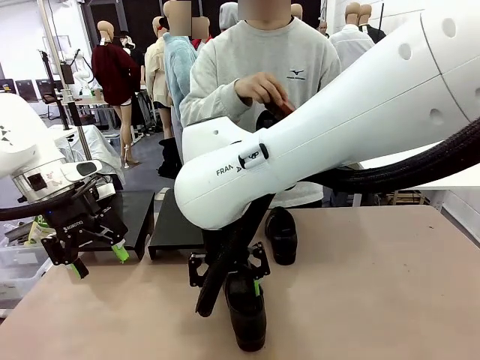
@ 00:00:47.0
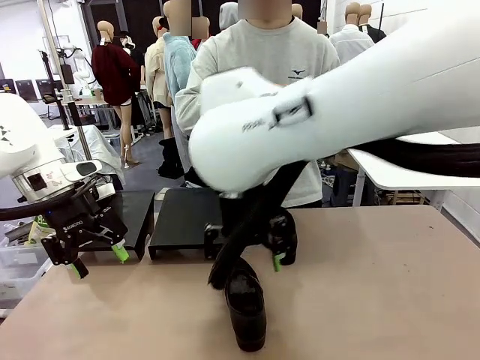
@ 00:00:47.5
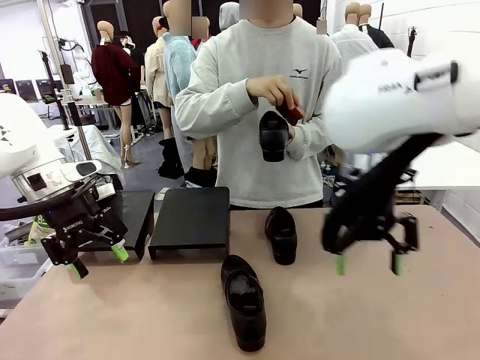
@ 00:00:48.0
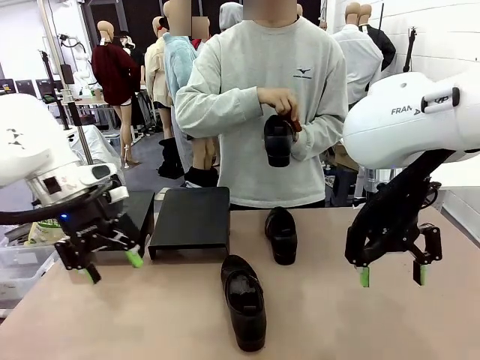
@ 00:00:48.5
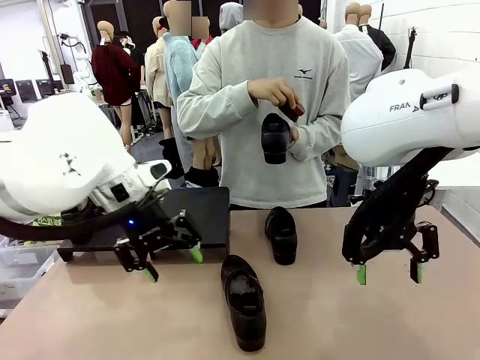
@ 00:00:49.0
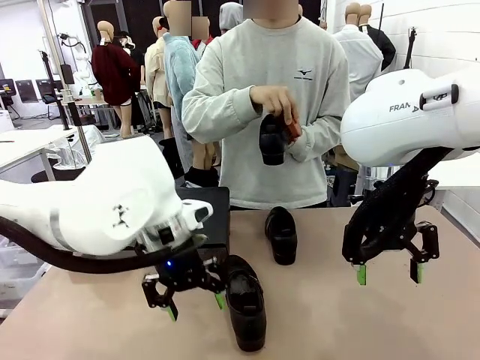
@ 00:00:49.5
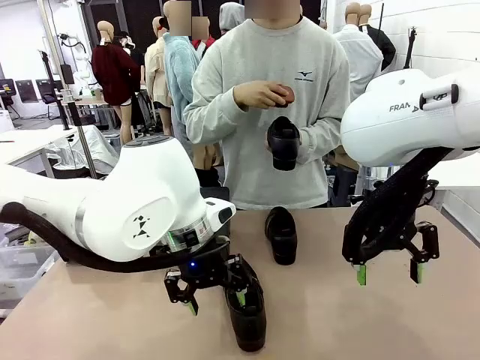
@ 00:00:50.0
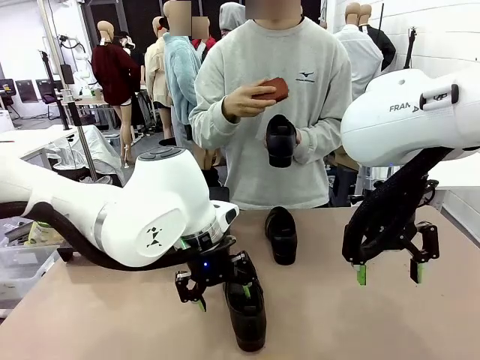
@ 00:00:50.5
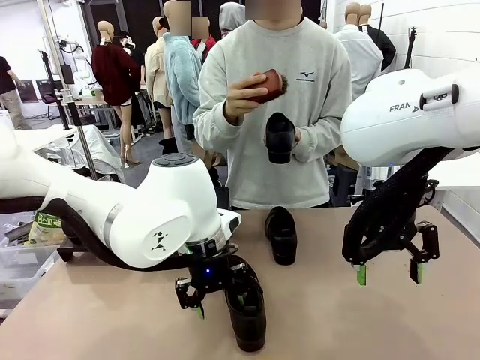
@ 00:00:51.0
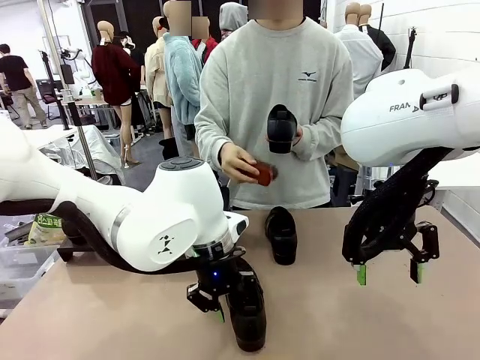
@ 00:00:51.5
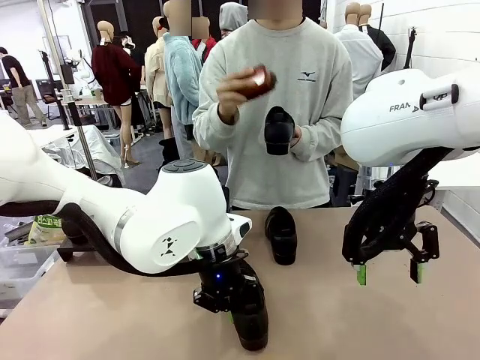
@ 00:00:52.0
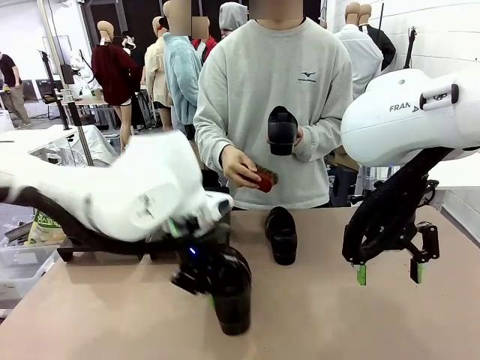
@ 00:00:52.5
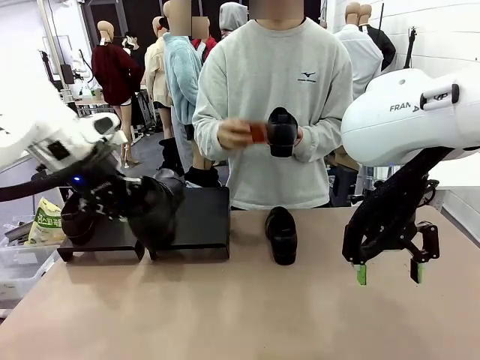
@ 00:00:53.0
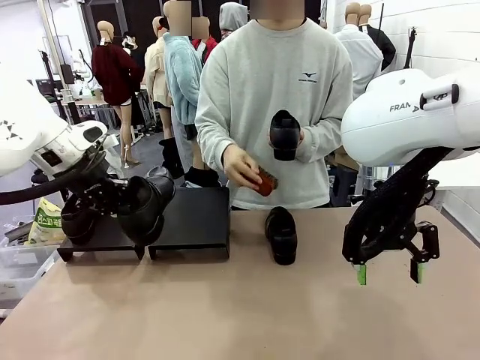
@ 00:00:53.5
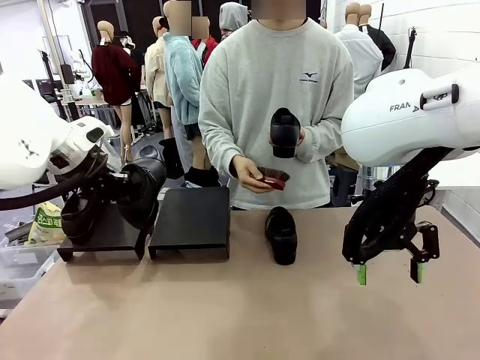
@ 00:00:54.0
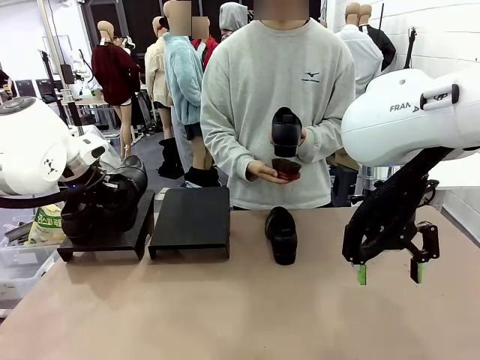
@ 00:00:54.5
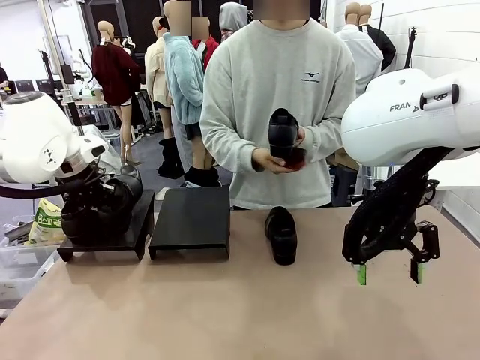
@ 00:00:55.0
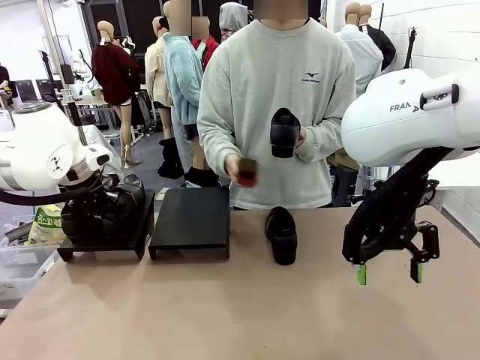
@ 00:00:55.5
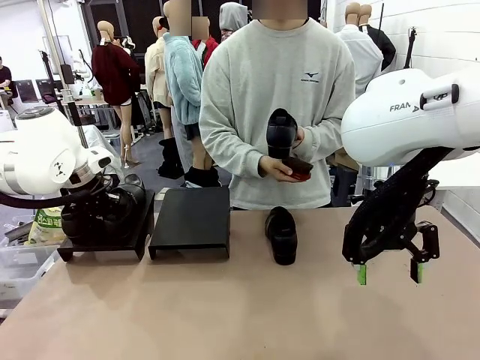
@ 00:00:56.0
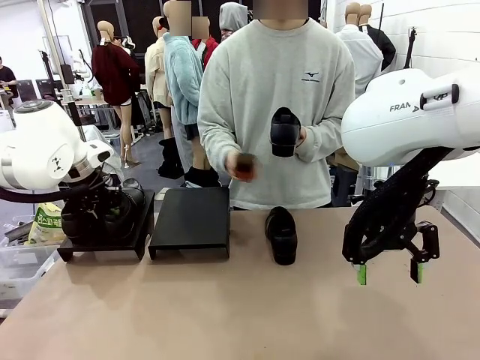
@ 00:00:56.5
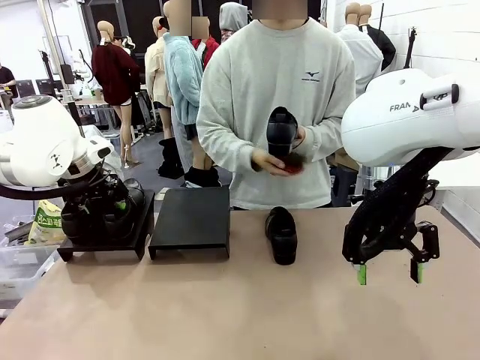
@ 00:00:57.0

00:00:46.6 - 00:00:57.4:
Task: Organize the shoes by placing them on the stand.
Robot: Place the Shoe from the middle of the table onto the Shoes Stand.
Person: Clean the Shoe with the Shoe Brush.

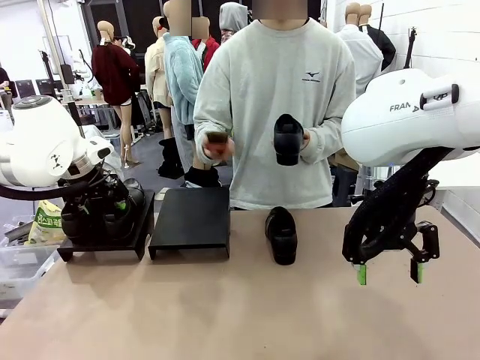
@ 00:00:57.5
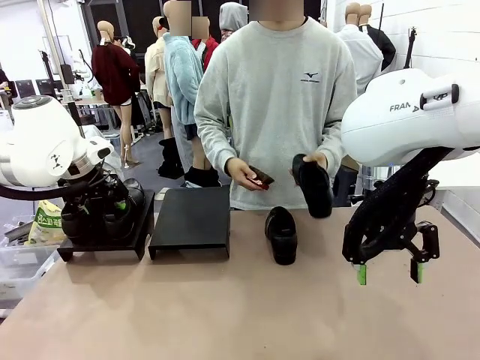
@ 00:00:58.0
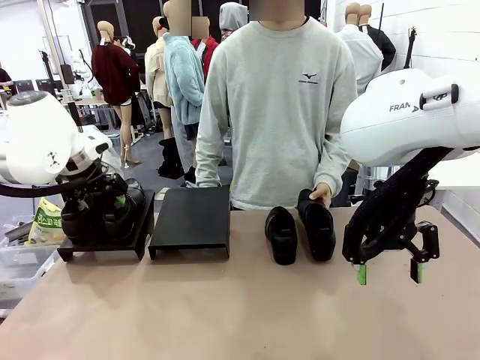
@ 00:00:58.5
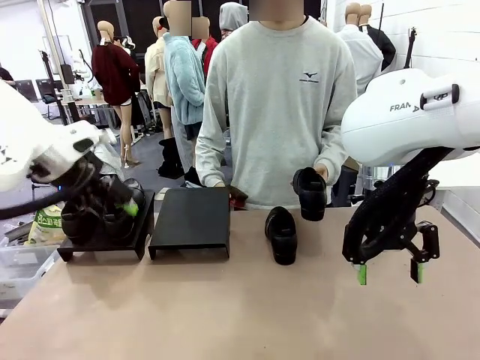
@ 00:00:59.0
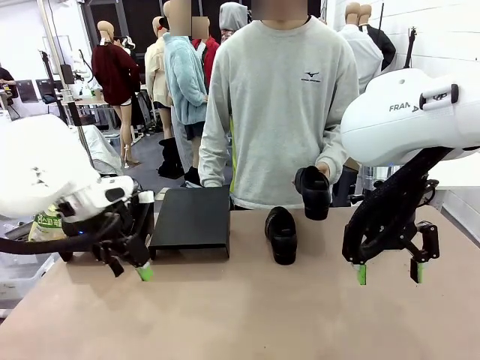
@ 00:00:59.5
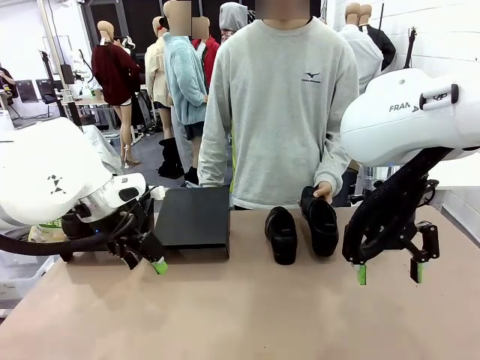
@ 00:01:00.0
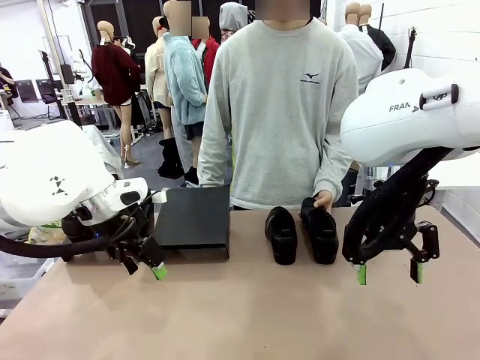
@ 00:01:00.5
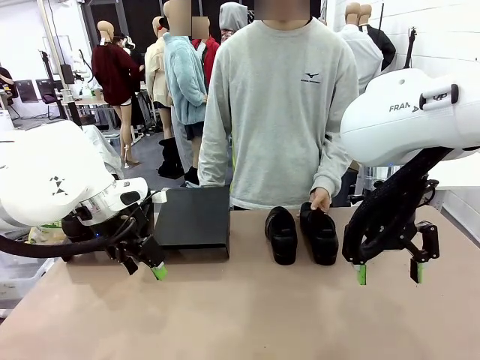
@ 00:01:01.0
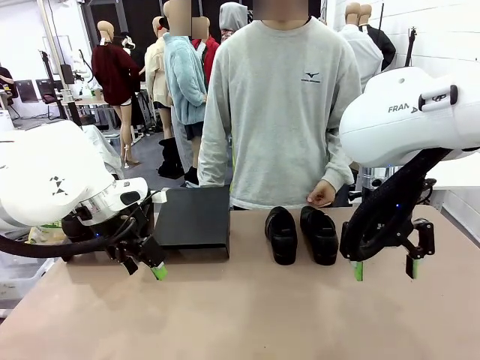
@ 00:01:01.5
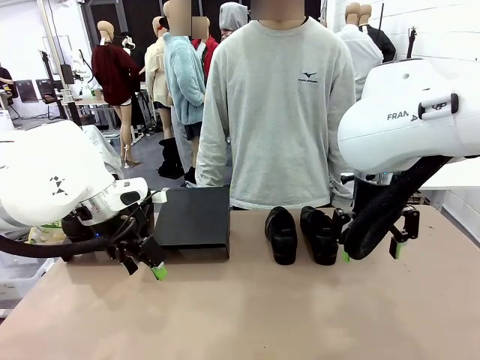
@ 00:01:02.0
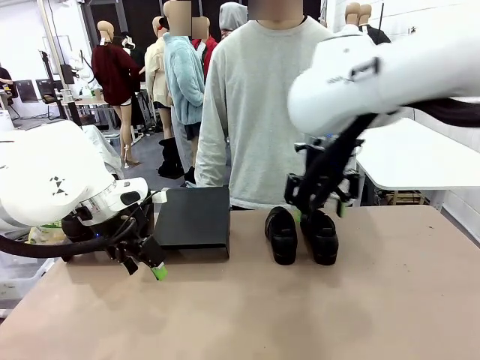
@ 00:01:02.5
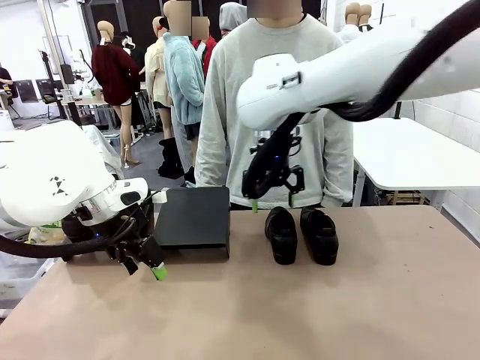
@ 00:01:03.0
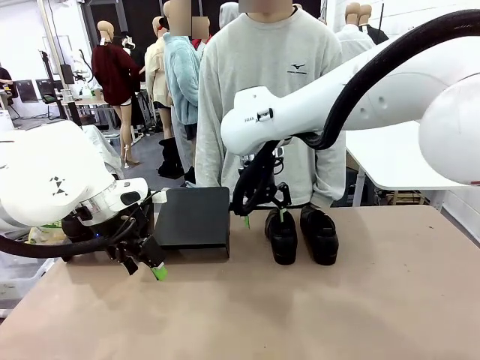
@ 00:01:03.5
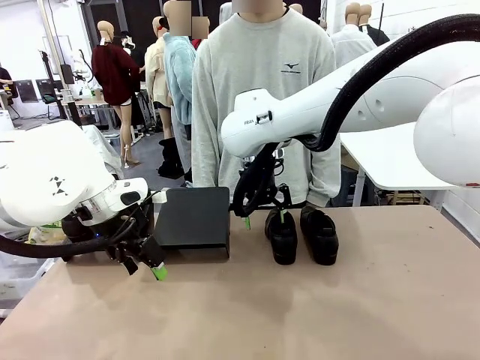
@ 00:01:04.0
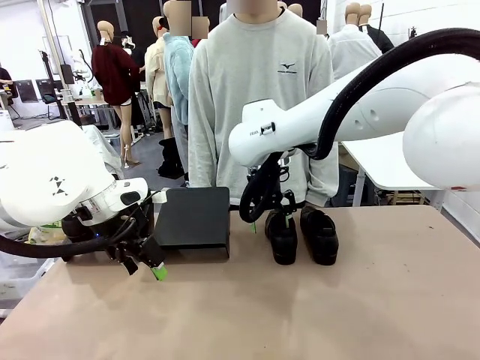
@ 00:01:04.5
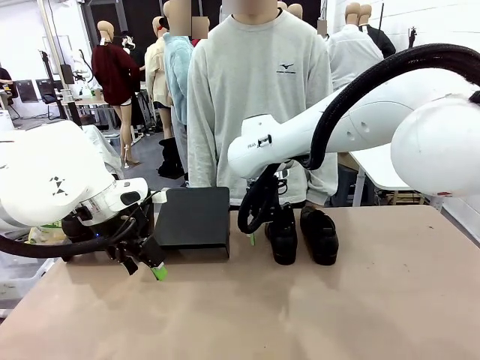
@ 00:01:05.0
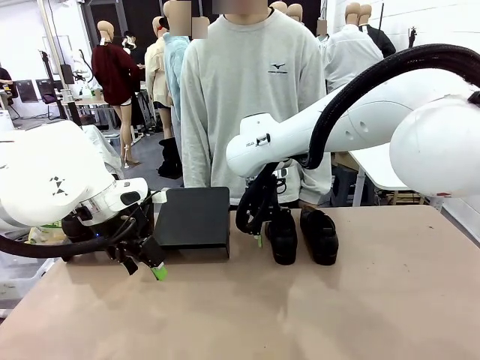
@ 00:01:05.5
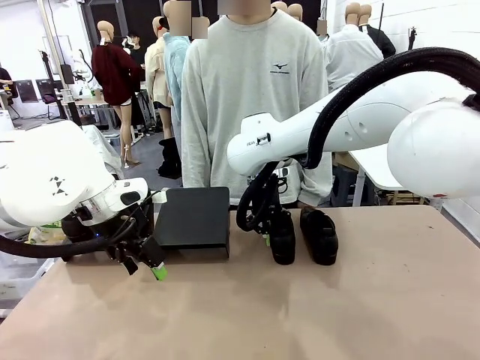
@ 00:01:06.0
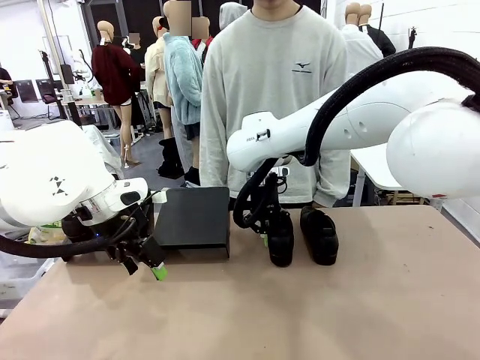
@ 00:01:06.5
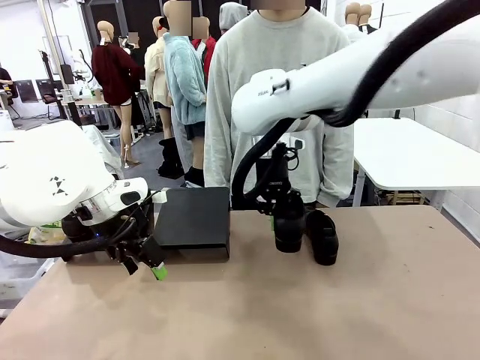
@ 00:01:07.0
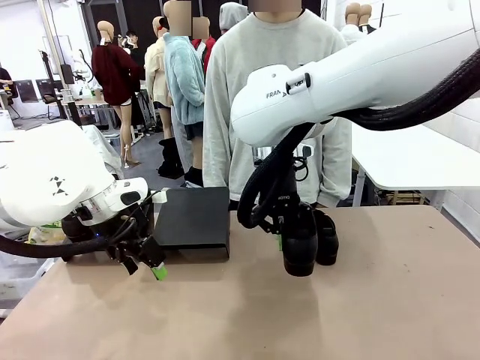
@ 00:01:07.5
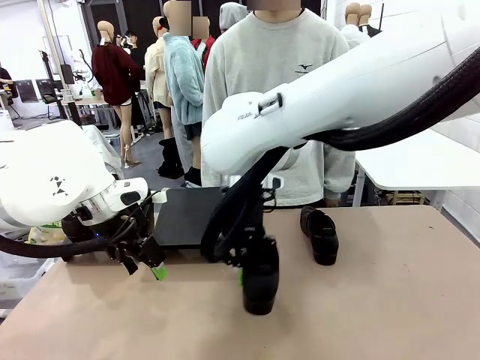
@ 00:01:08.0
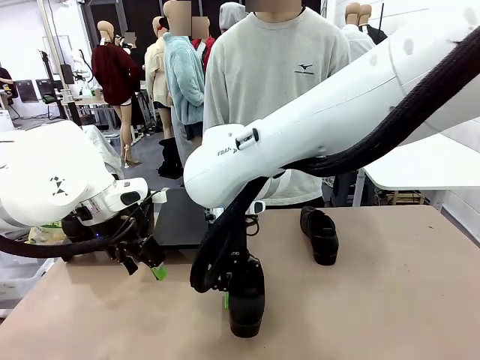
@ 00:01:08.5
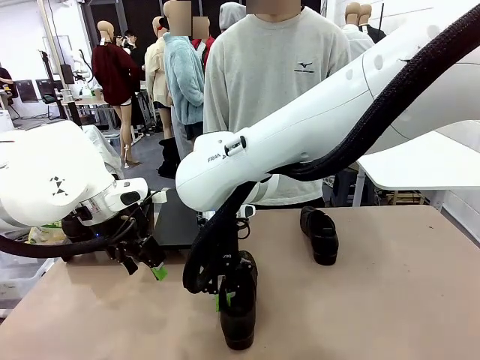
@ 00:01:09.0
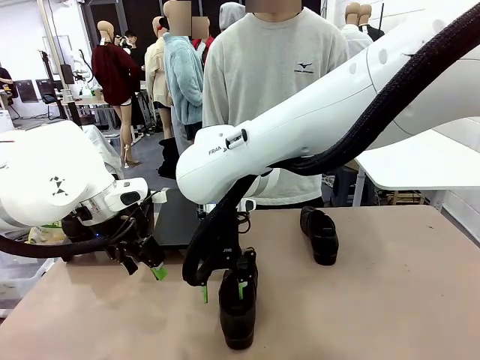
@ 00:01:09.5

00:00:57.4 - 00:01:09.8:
Robot: Pick up one Shoe and place it in the middle of the table.

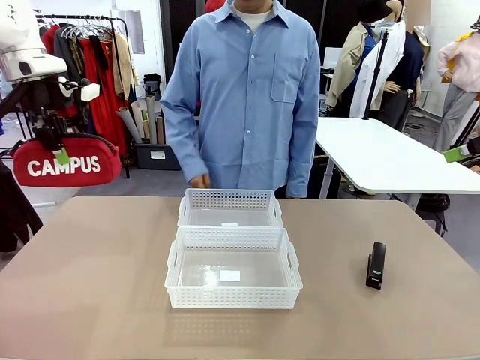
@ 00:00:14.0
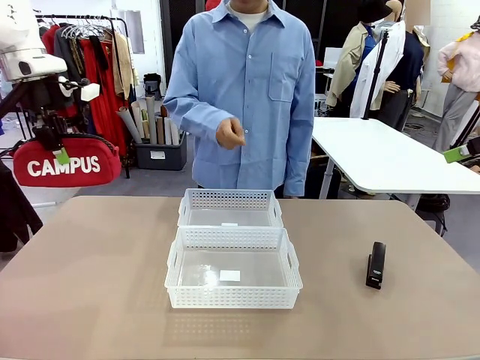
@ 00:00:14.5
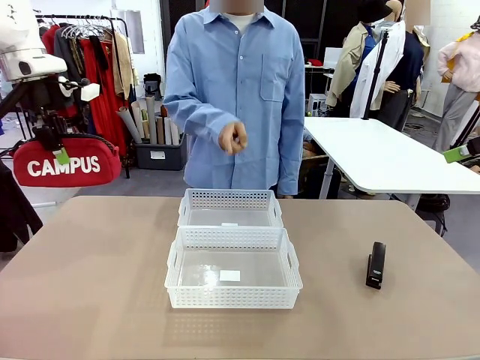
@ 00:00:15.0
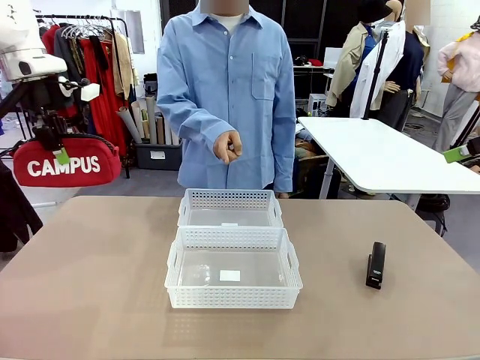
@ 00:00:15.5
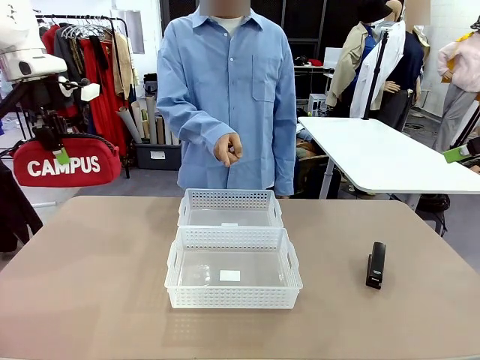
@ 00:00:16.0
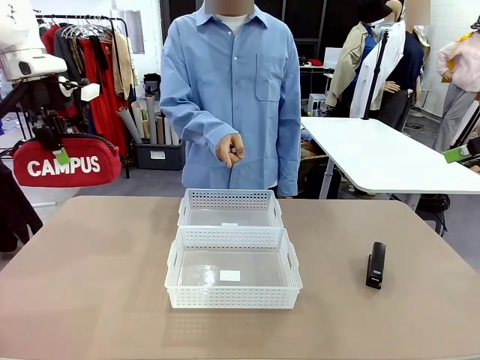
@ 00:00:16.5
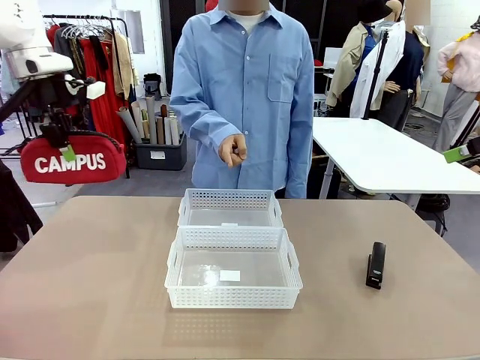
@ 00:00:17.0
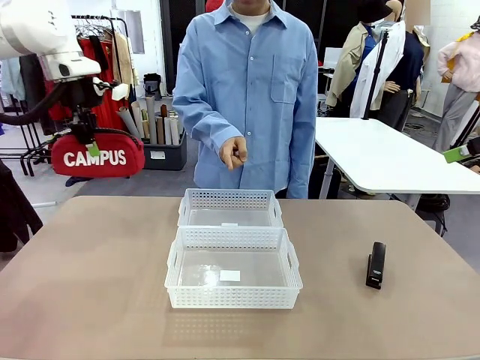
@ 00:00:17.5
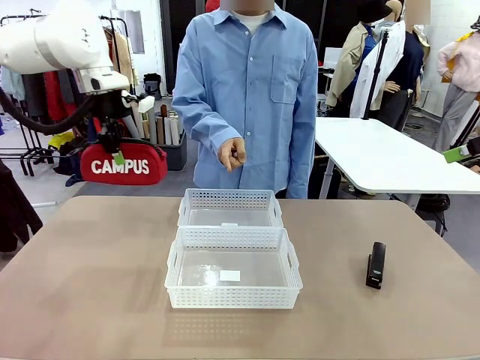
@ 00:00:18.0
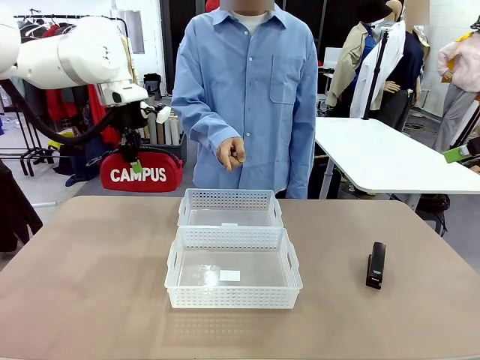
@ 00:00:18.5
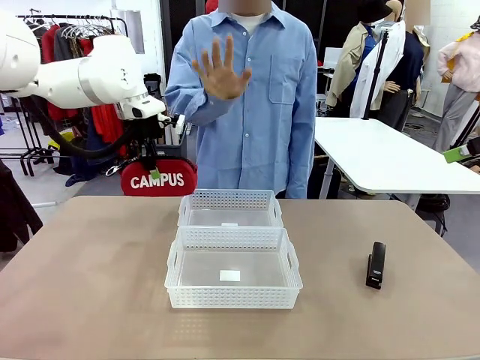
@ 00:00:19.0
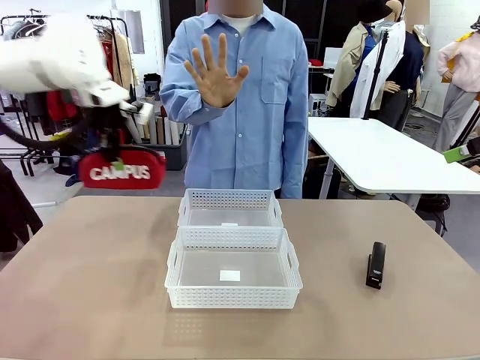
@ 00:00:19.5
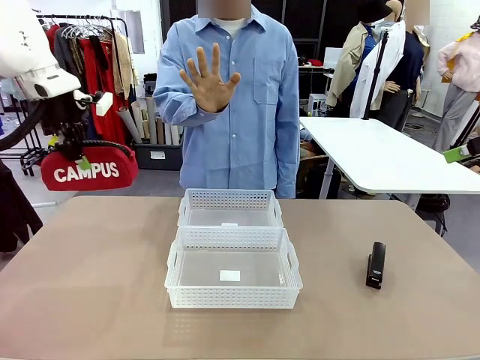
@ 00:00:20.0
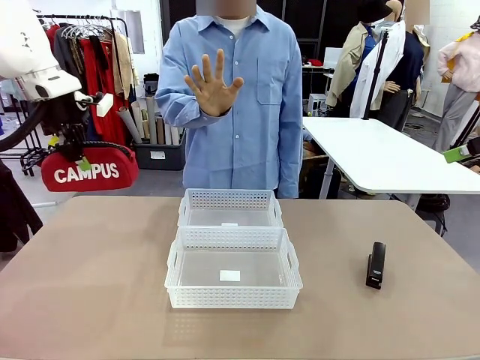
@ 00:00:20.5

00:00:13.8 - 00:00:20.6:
Task: Distribute items into two baskets.
Robot: Move the picked Pencil pouch towards the Organizing basket indicated by the person, stopping as directed.
Person: Sends a stop gesture before the robot places the pencil case into the basket.
